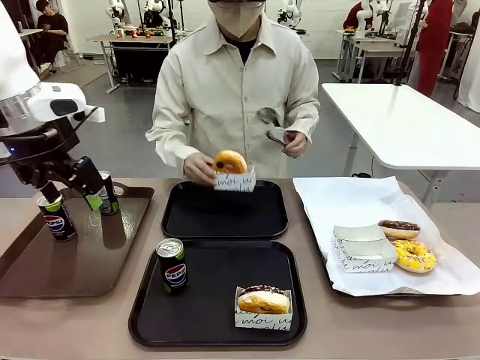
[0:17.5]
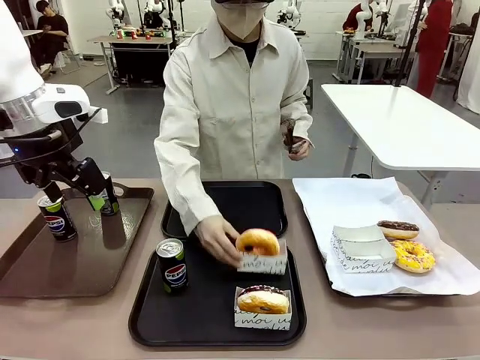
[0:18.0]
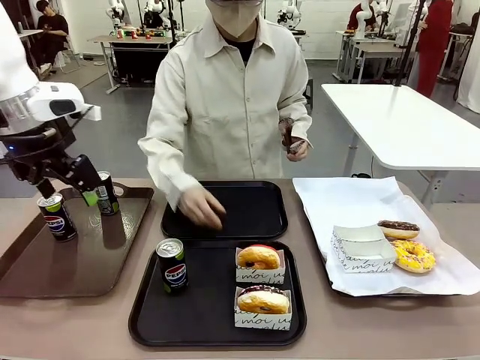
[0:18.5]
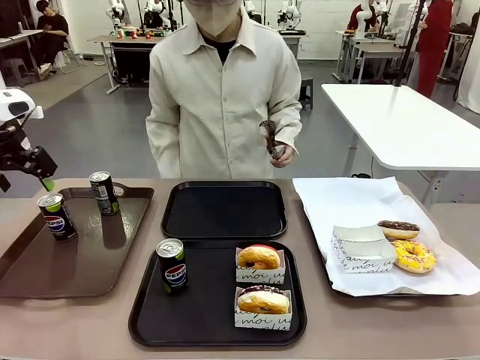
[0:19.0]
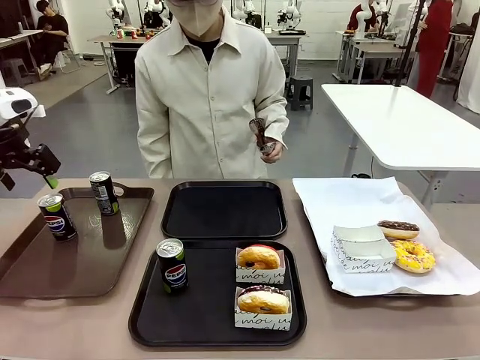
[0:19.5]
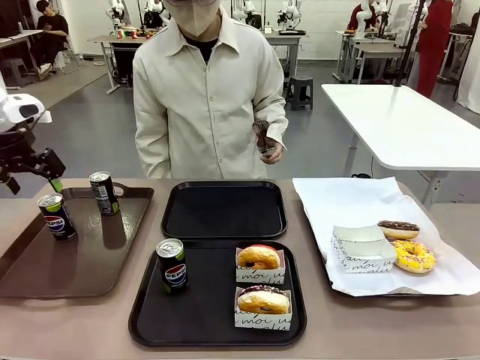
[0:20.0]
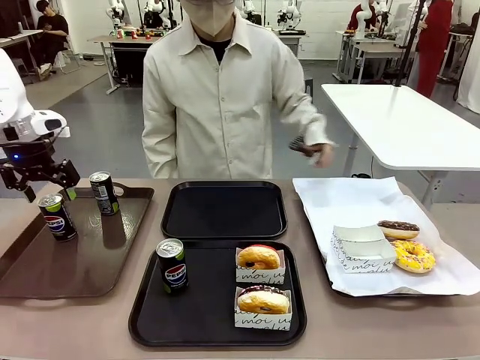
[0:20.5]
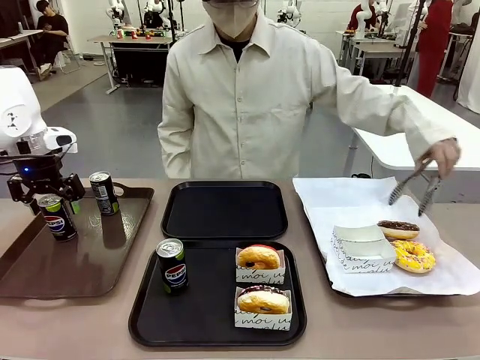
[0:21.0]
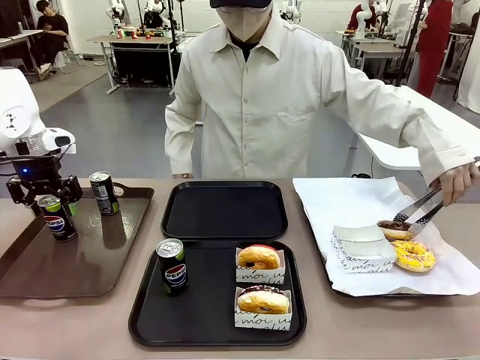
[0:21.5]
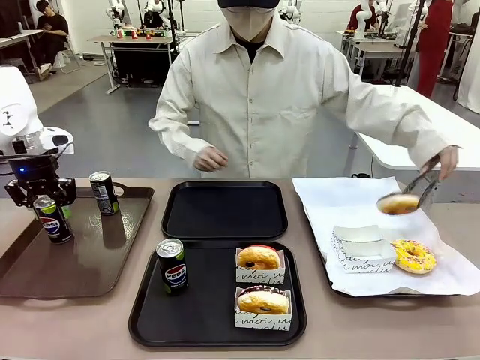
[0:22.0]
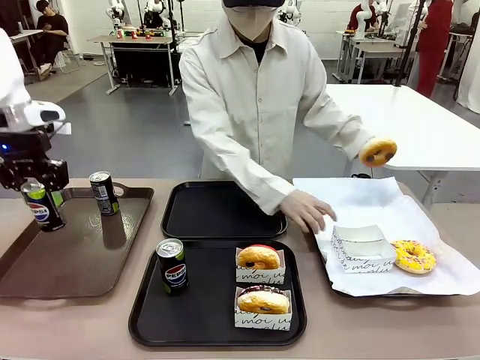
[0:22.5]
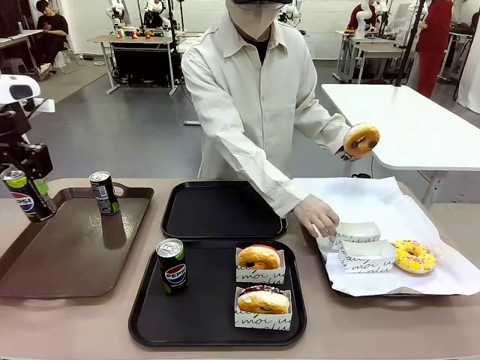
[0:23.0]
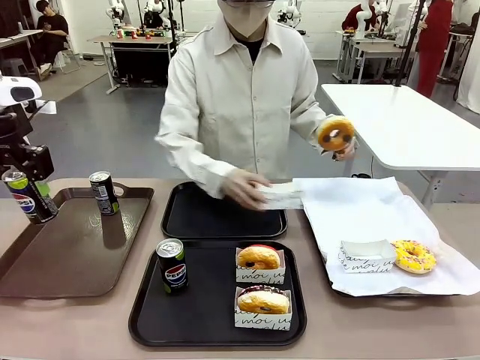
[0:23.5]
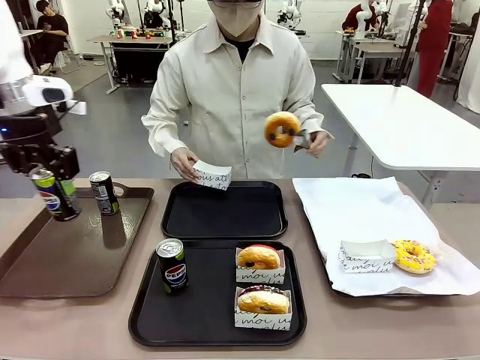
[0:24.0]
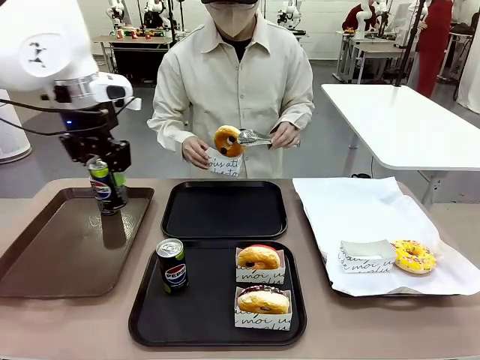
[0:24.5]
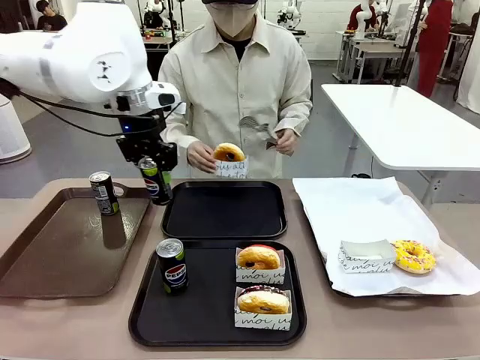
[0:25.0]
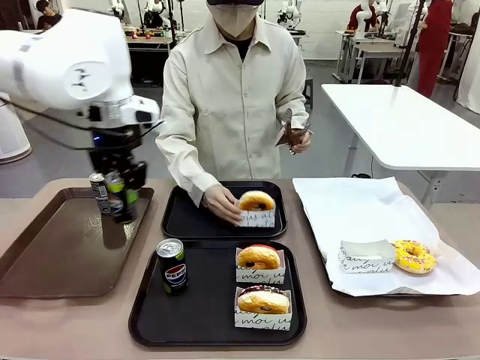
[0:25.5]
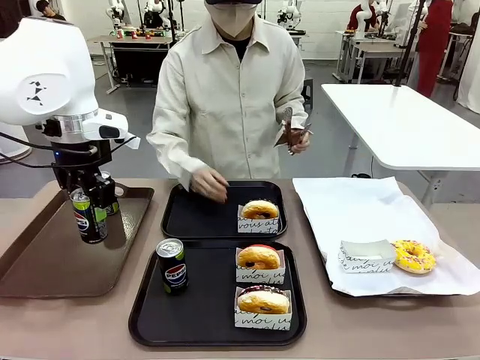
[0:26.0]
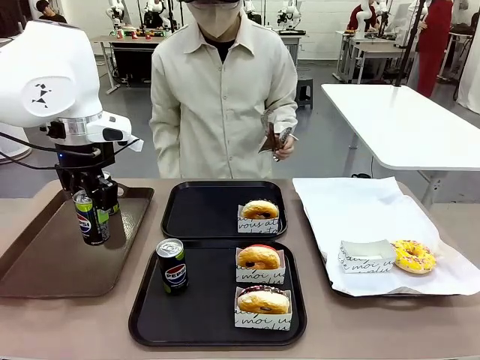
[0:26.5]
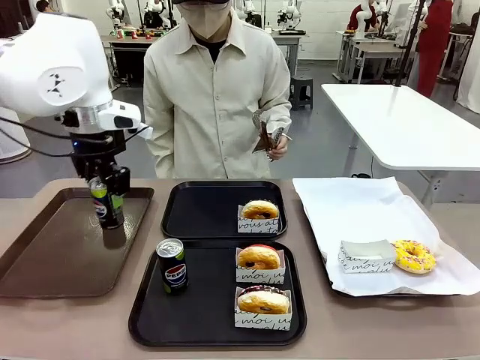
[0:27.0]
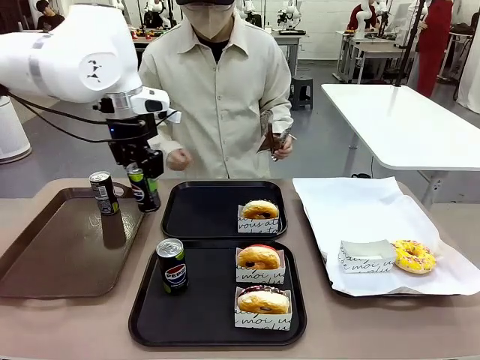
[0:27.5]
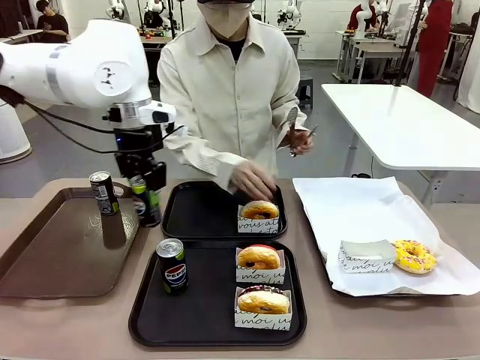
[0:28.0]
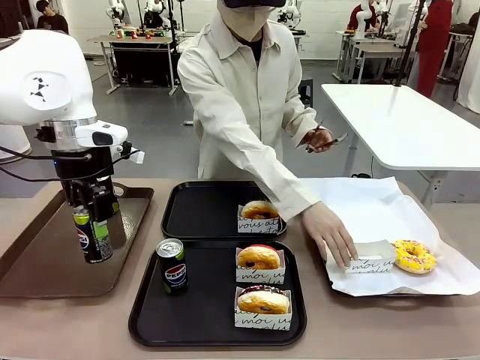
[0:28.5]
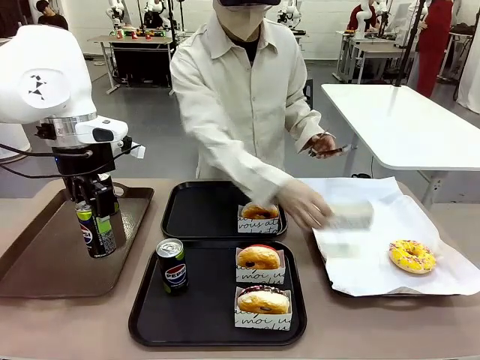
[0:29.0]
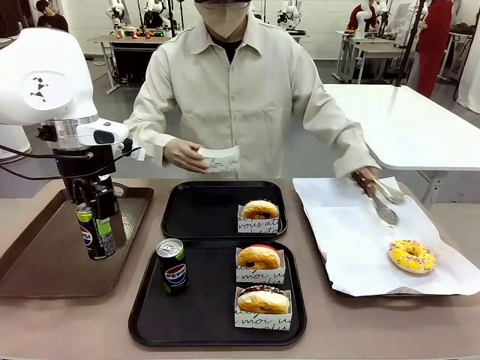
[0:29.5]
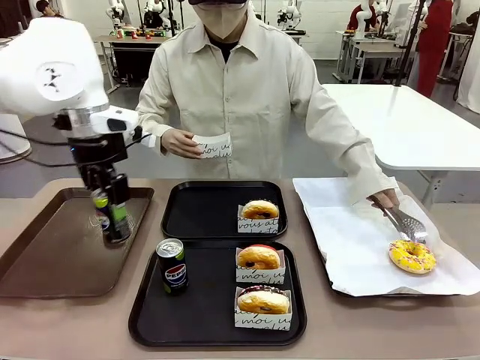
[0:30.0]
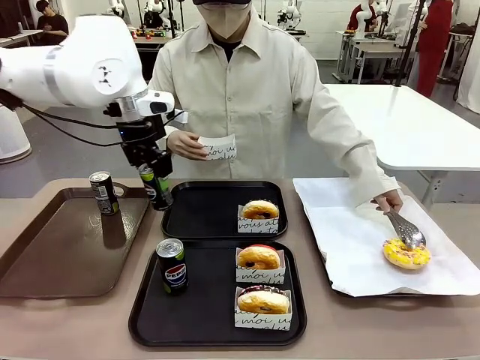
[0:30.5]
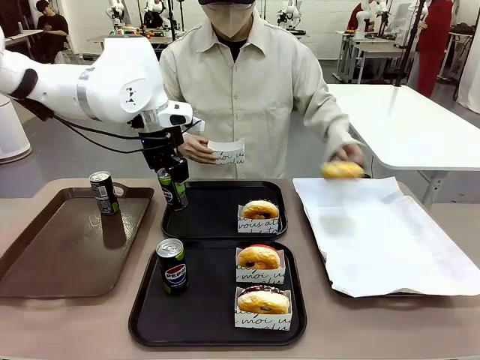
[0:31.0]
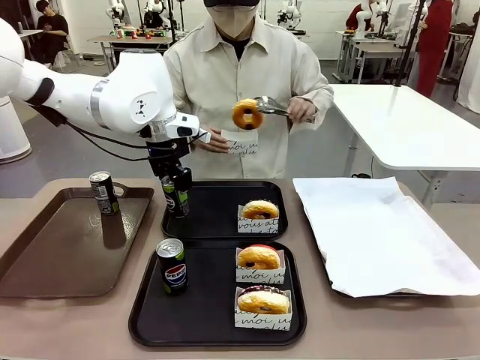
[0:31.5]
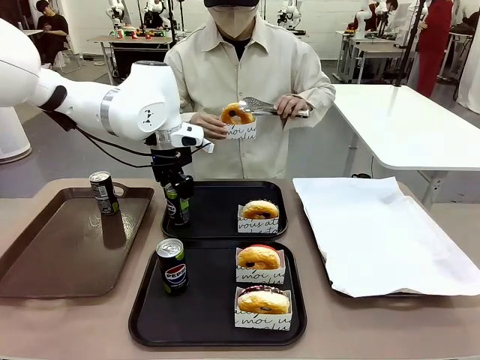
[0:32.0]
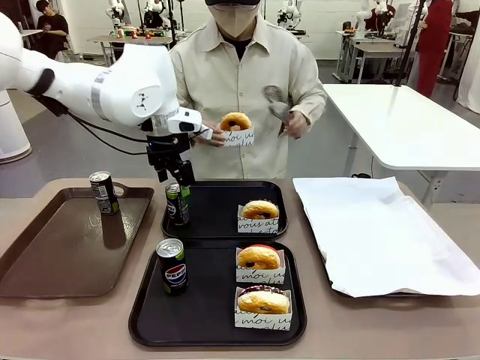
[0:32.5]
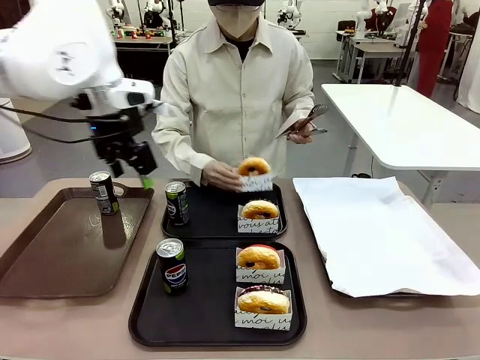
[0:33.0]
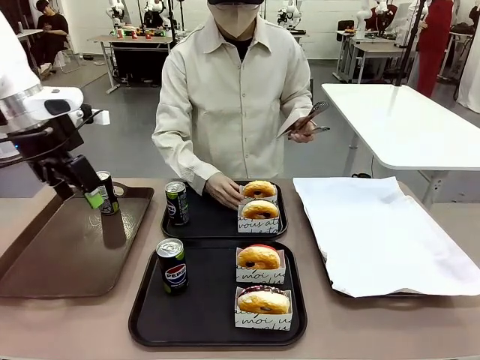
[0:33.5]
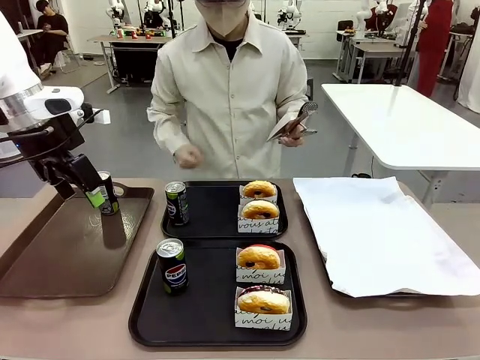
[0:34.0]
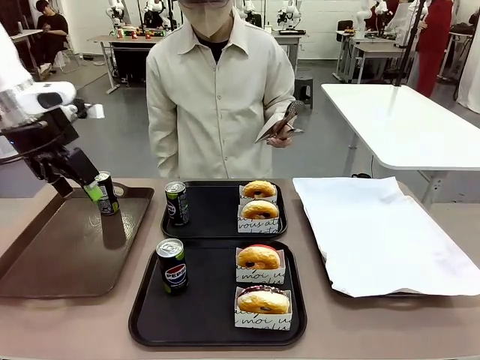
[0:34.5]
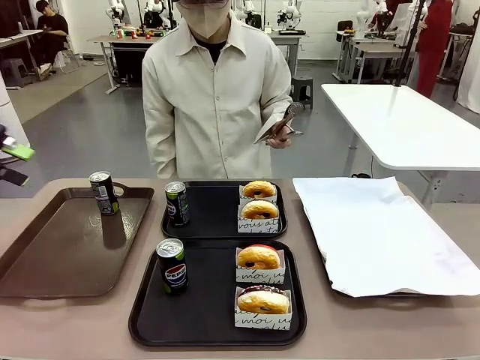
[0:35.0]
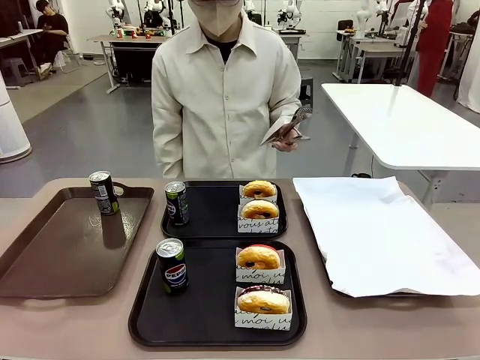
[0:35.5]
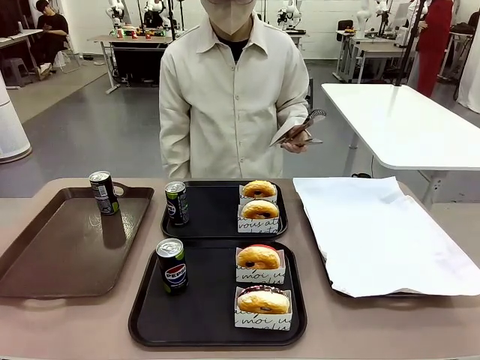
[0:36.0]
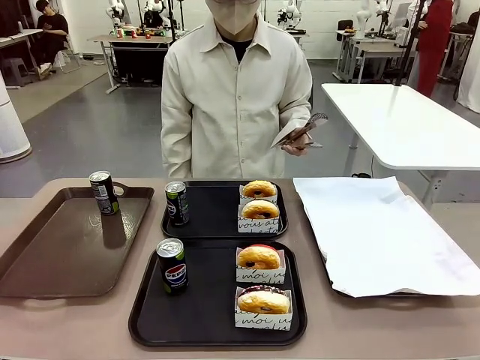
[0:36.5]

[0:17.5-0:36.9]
Task: Set up donuts and drinks on trays.
Robot: Pick up one Pepsi coke from the Handle tray and place it on the Flat Tray without a Pepsi coke.
Person: Pick up one donut with tongs, place it in the donut tray, and then place the donut tray on the flat tray.
